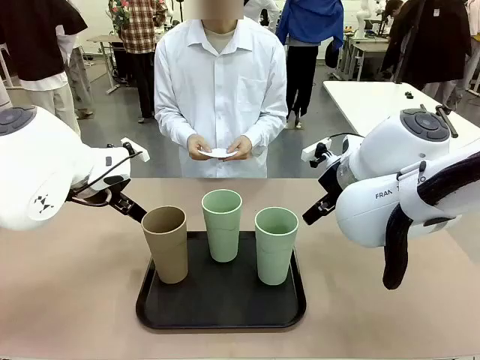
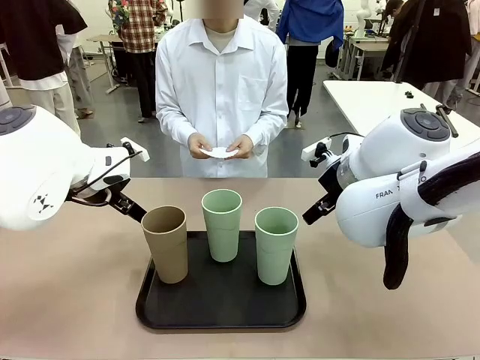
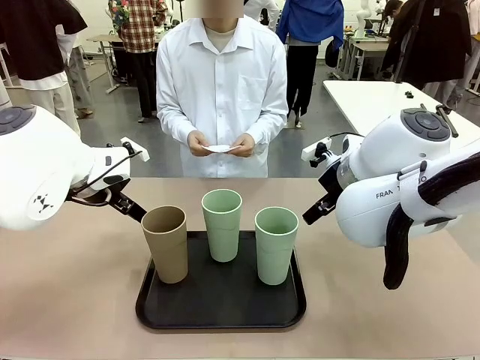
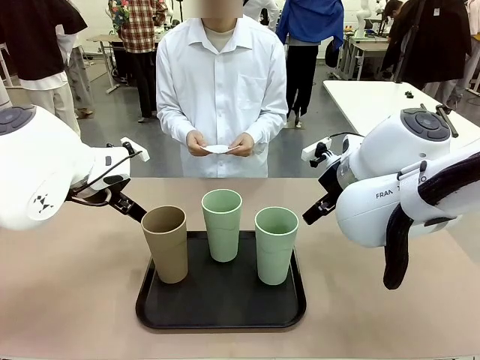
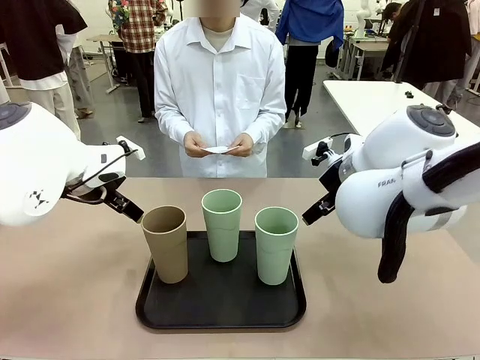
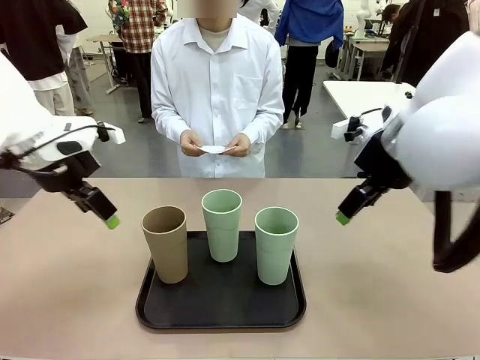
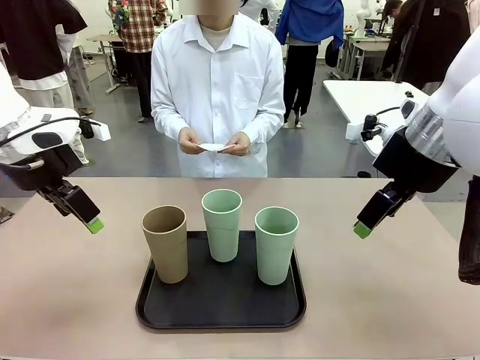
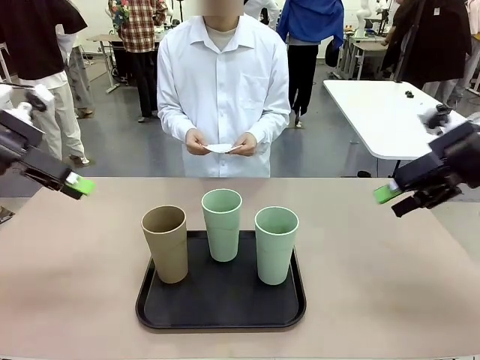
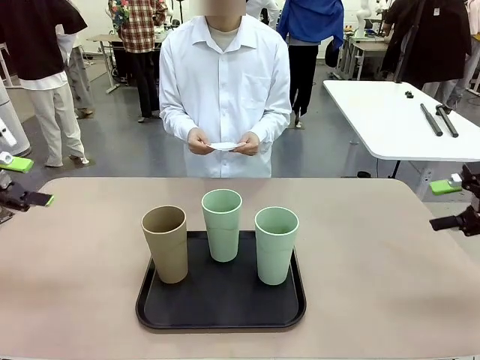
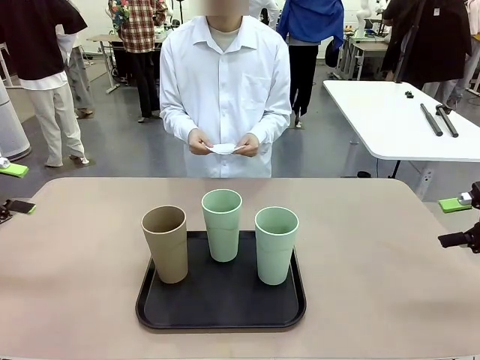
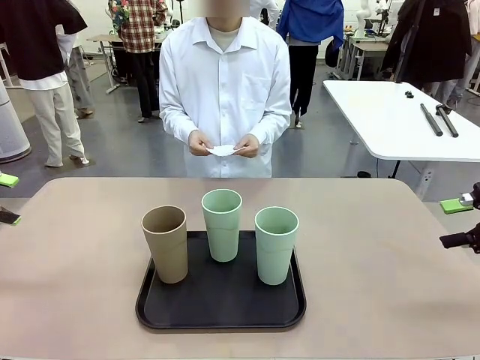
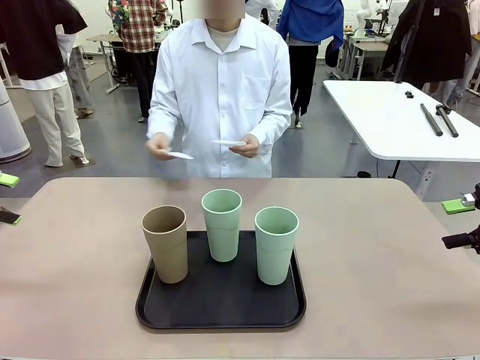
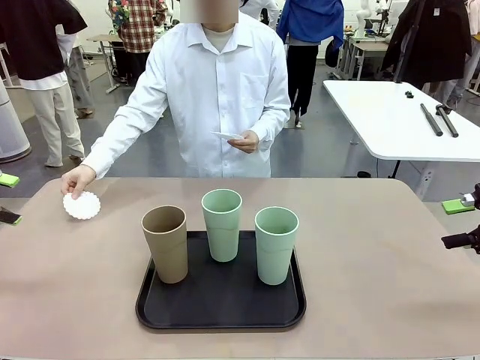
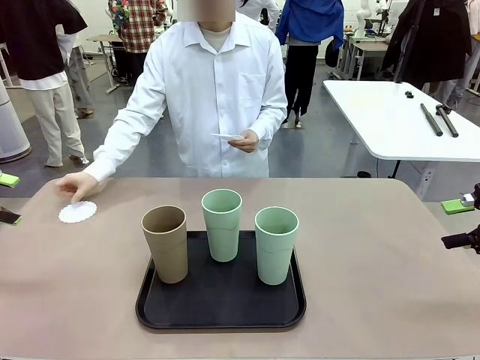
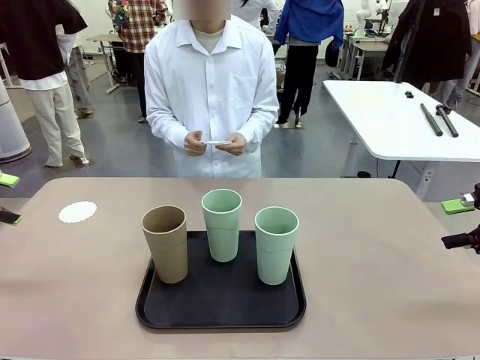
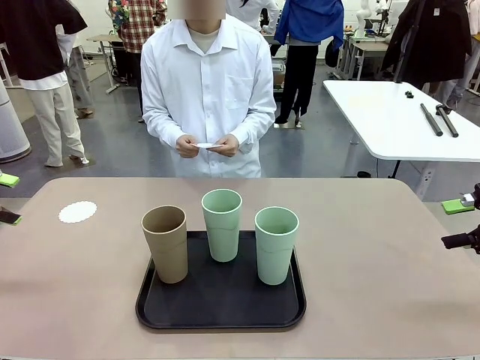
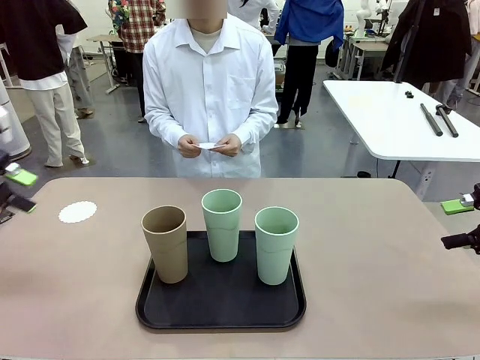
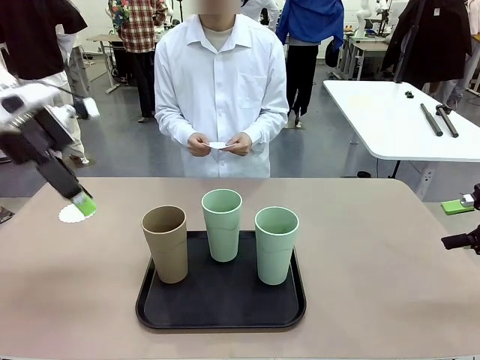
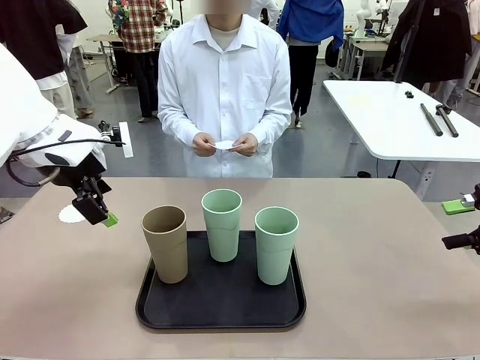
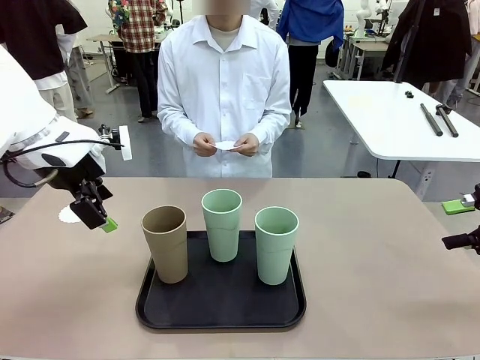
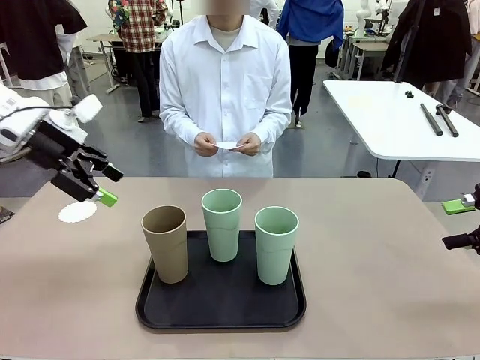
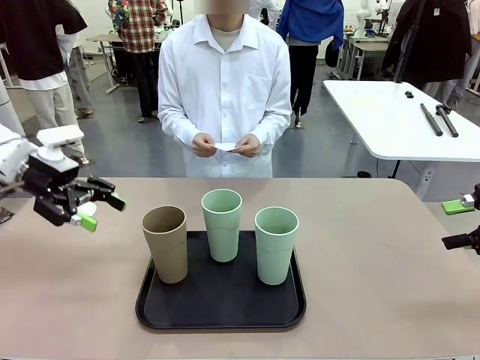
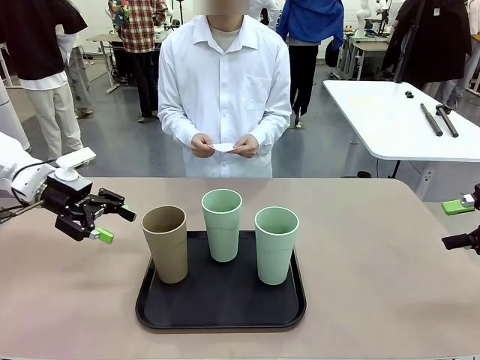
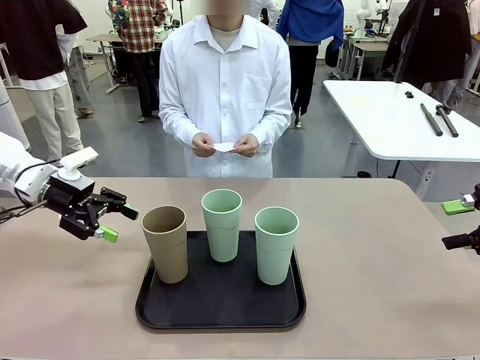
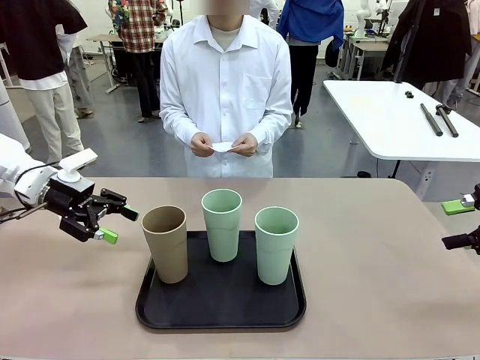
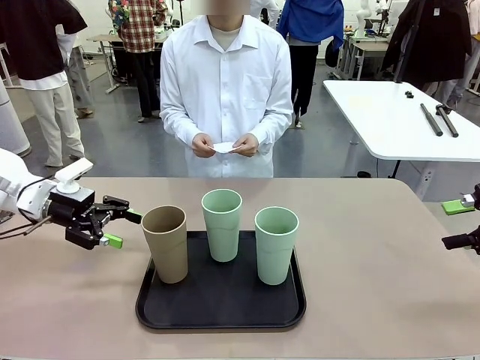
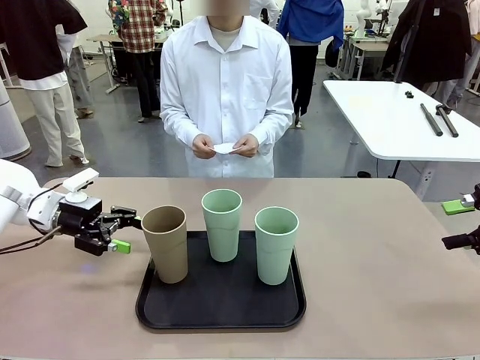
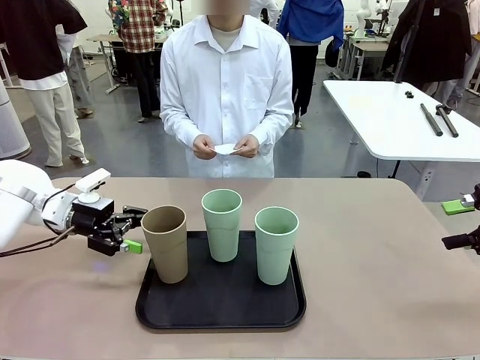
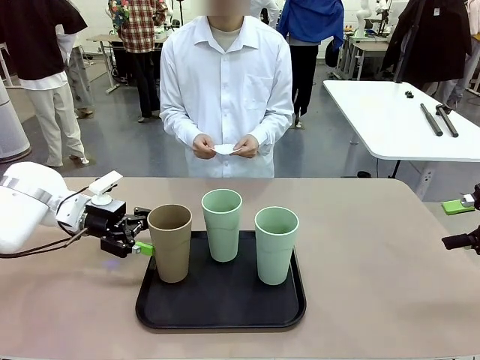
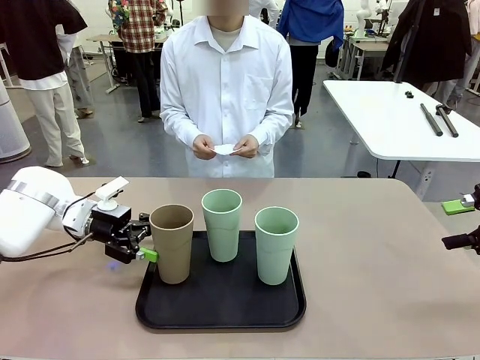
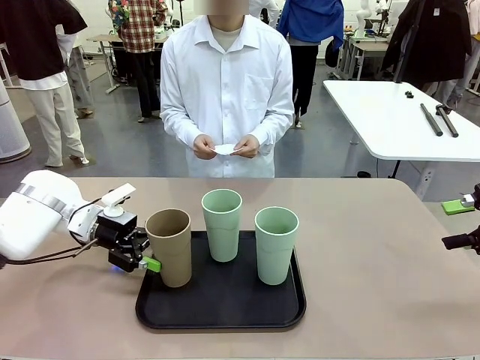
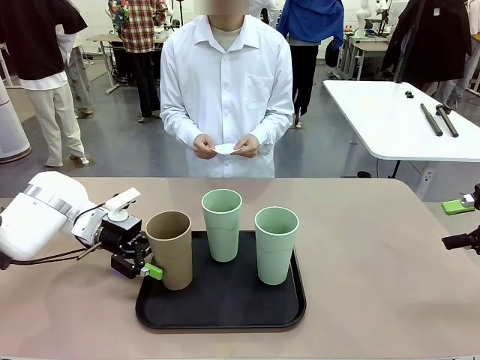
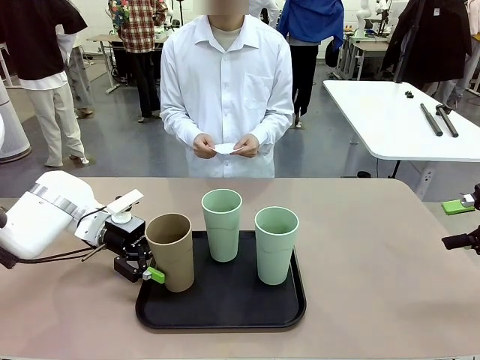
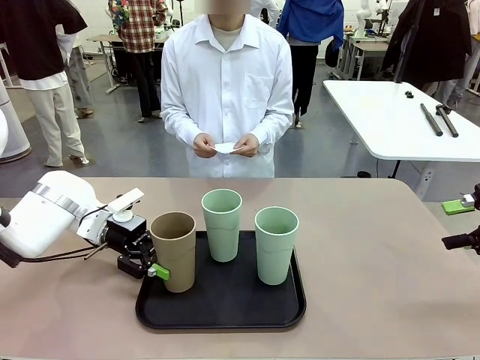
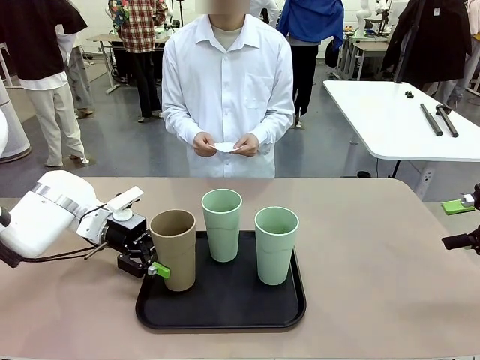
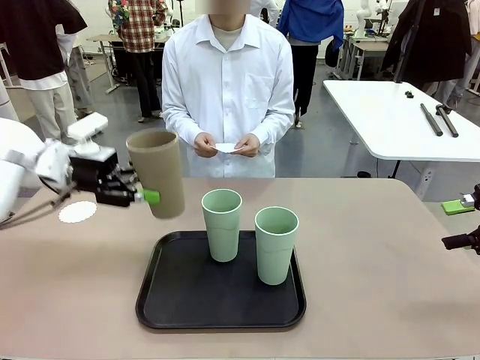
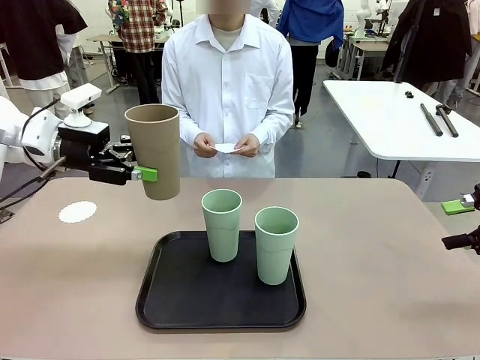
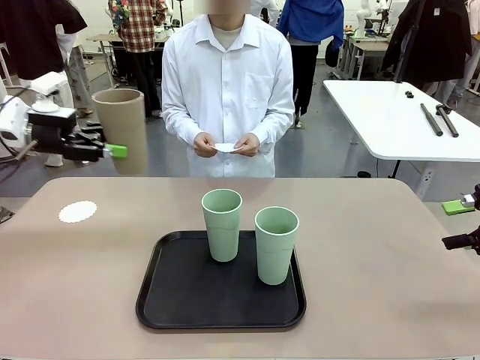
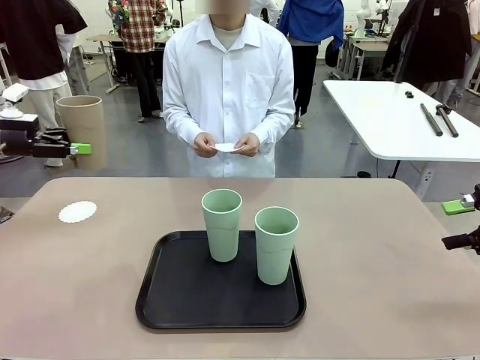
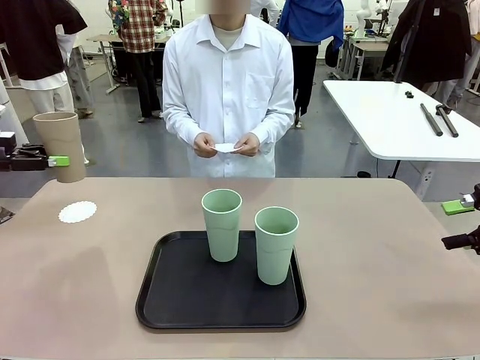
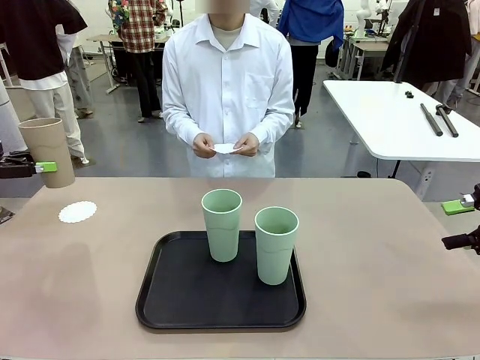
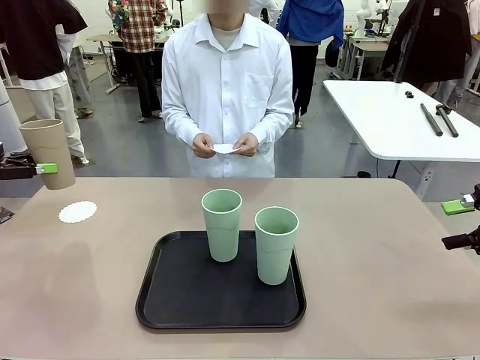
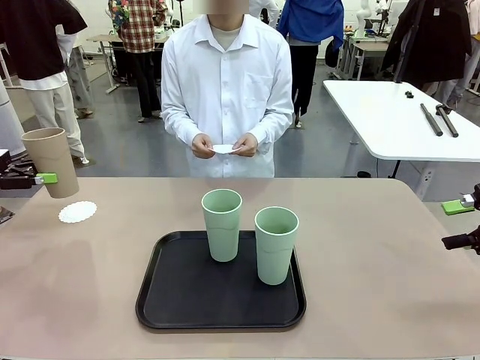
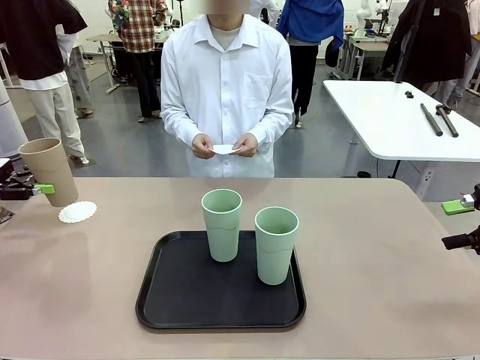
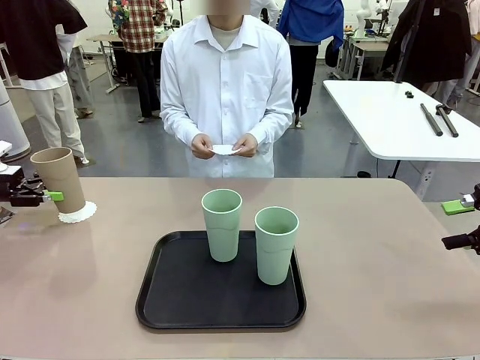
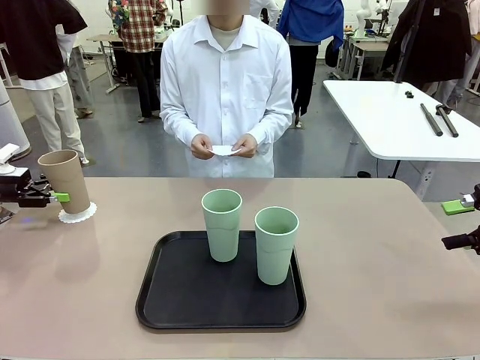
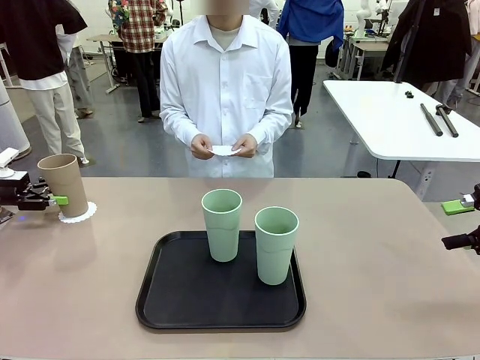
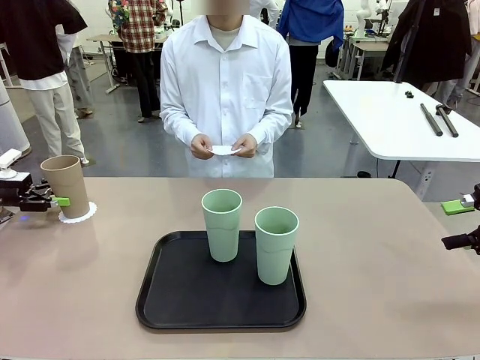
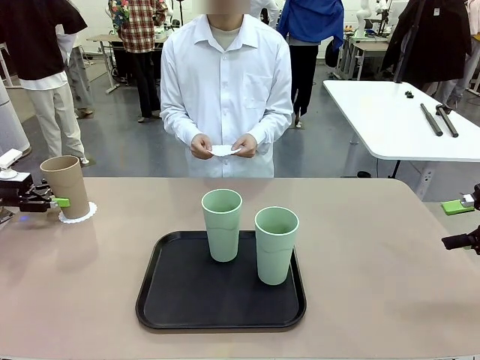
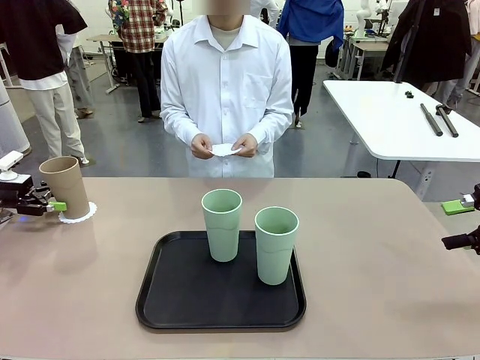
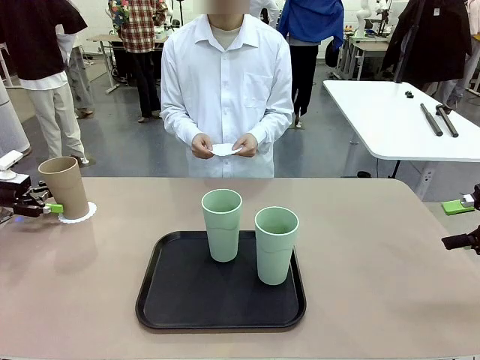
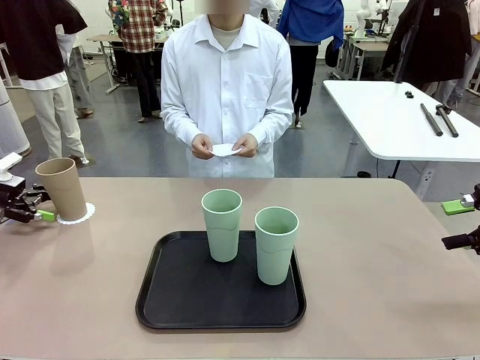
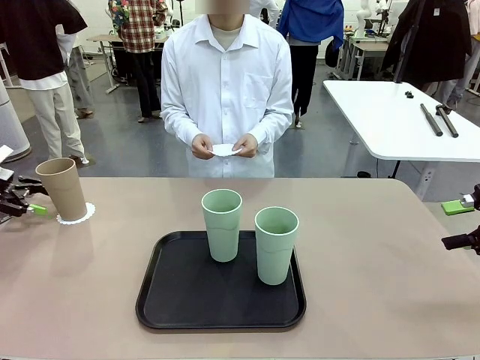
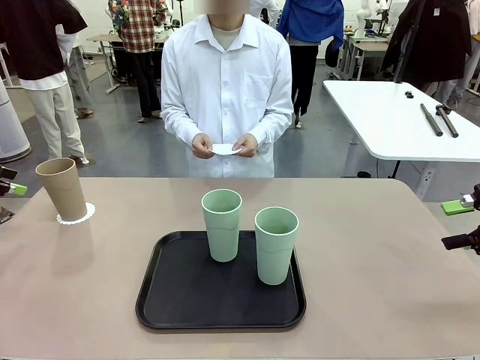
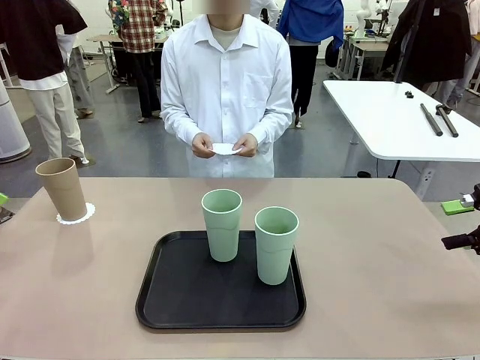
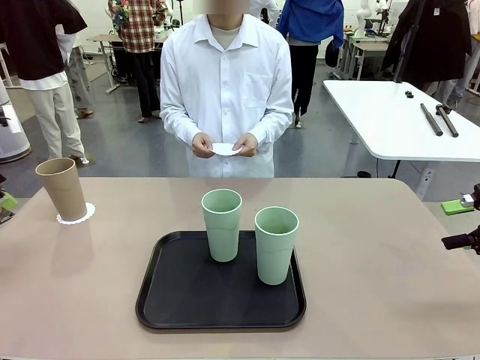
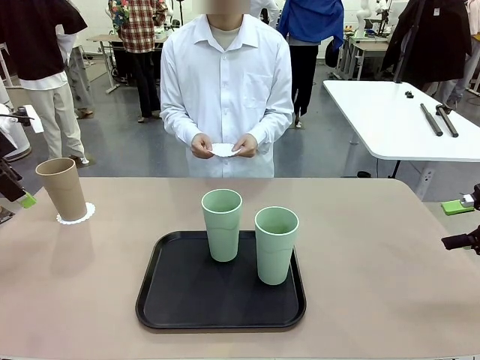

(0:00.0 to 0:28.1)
Task: Place coasters on the table and set cups on them.
Robot: Pick up one Reusable plastic cup and place it on a coaster set by the human.
Person: Place one coaster in any one of the three lower areas of the robot table (left, center, or right). Place one coaster in one of the two areas excluding the previously selected area.
